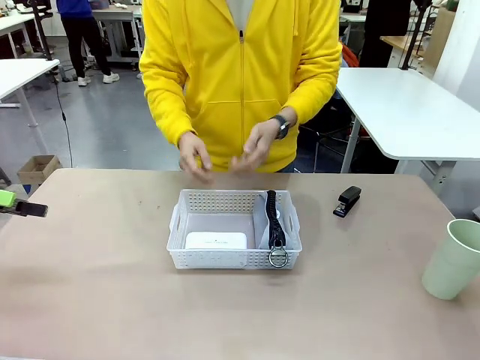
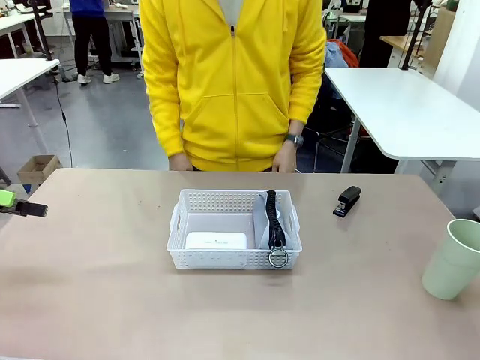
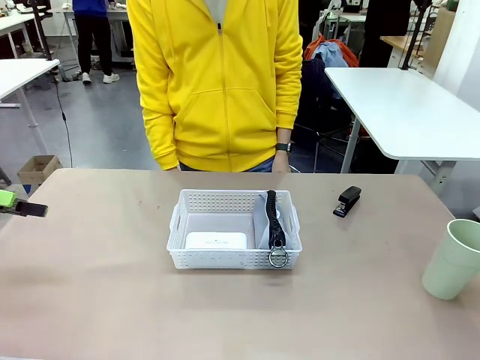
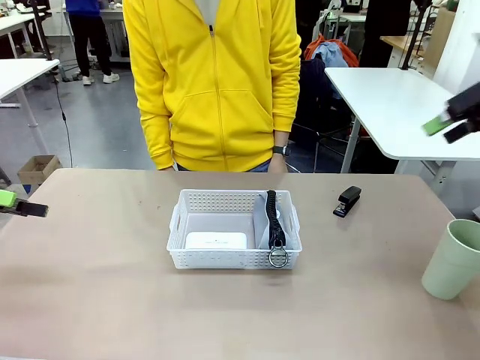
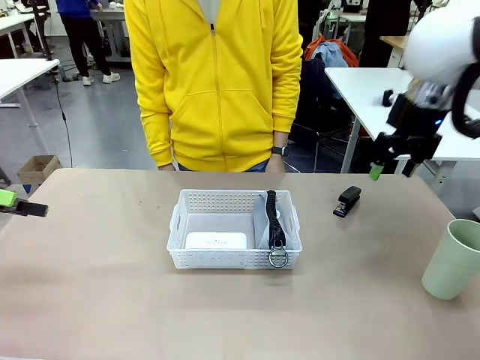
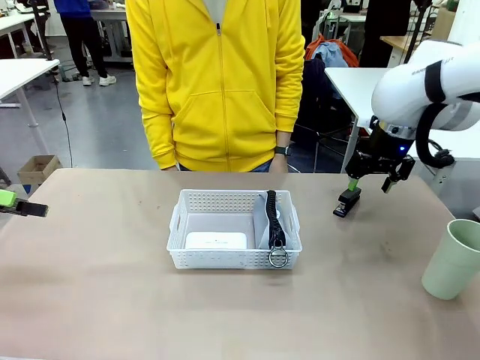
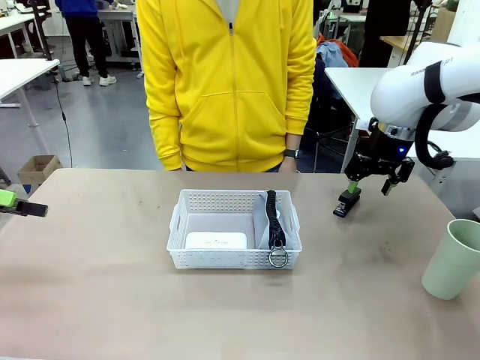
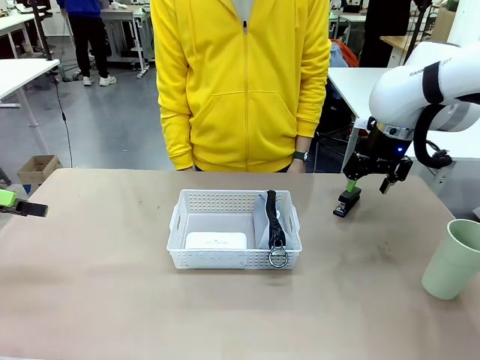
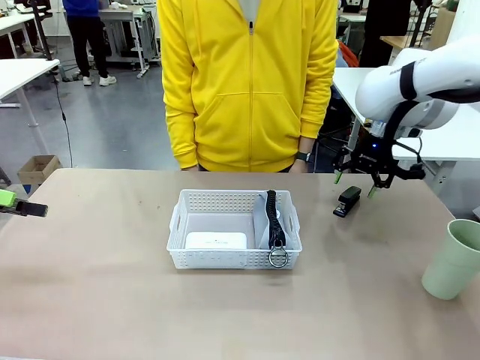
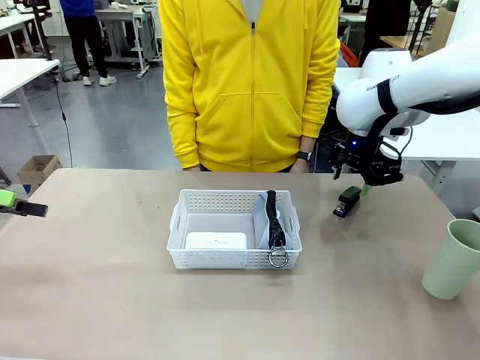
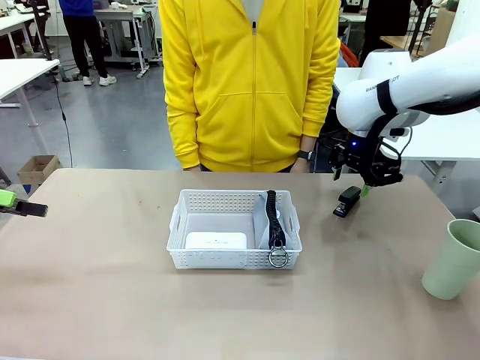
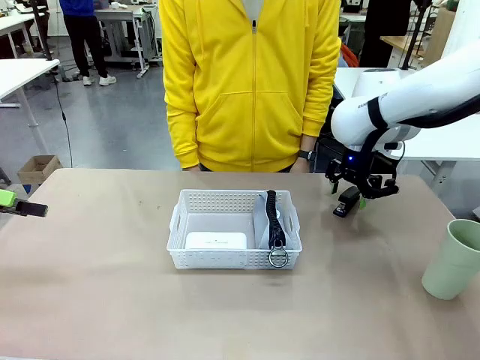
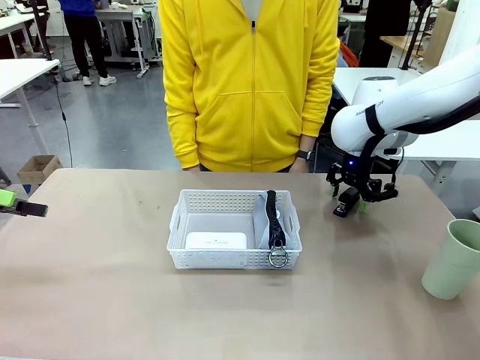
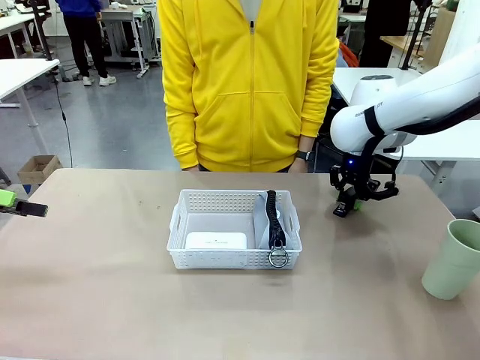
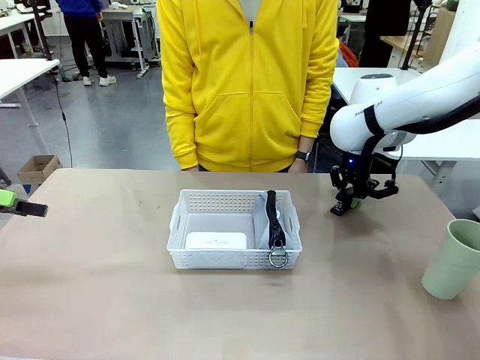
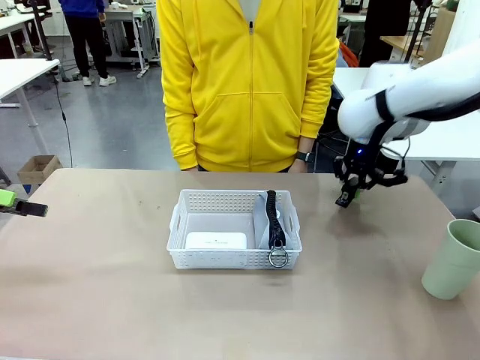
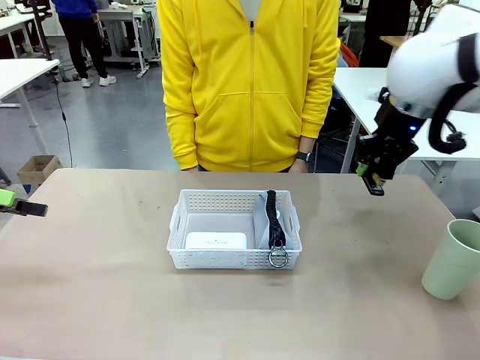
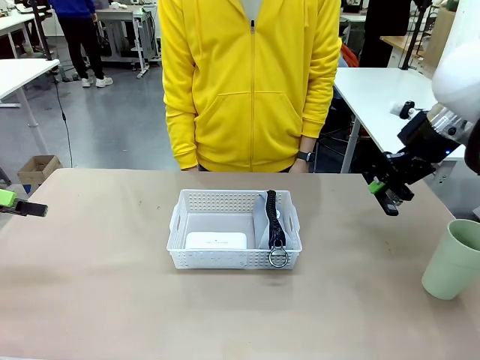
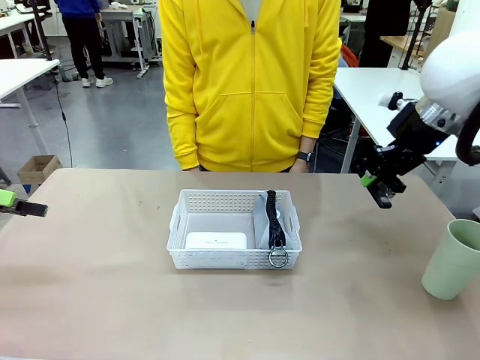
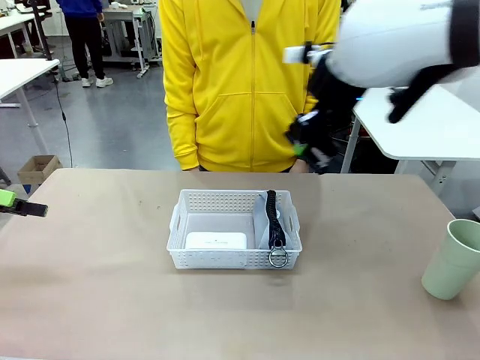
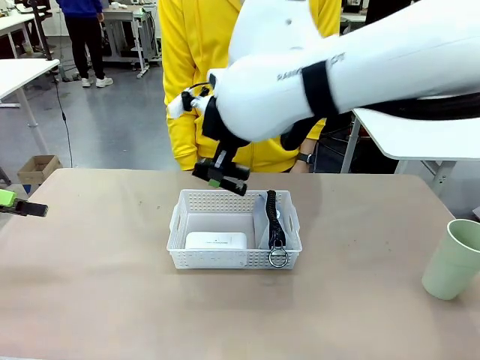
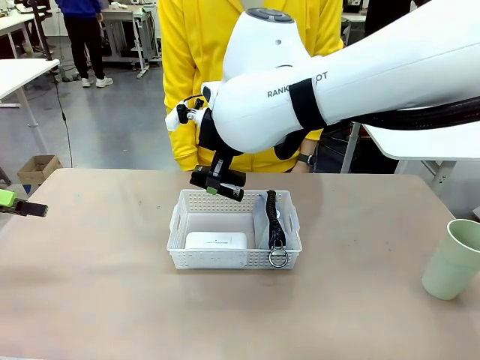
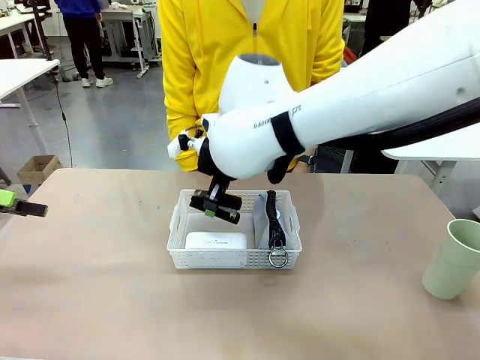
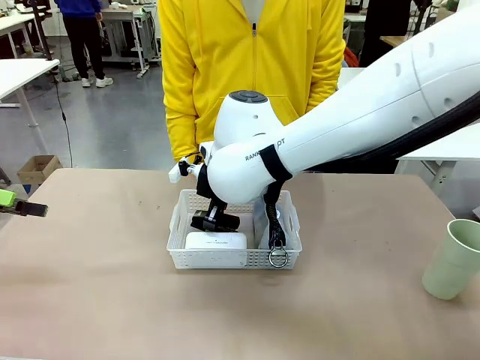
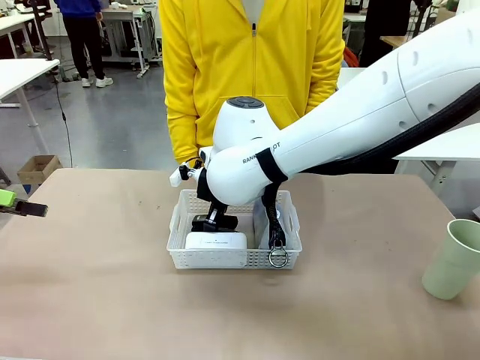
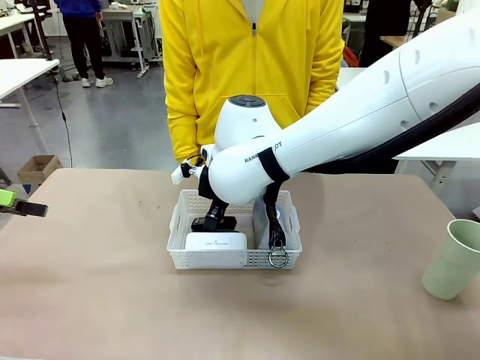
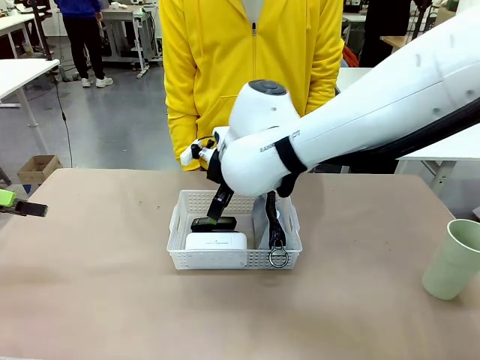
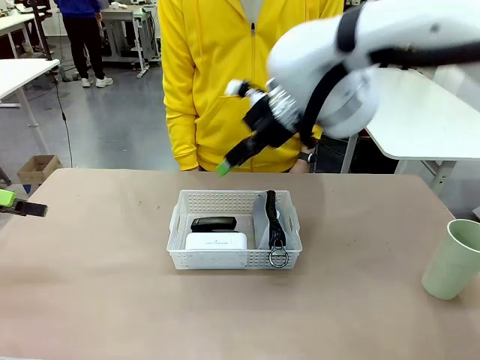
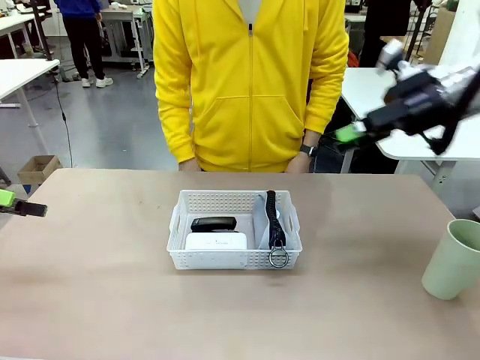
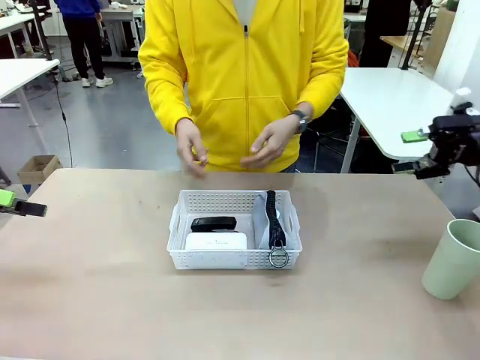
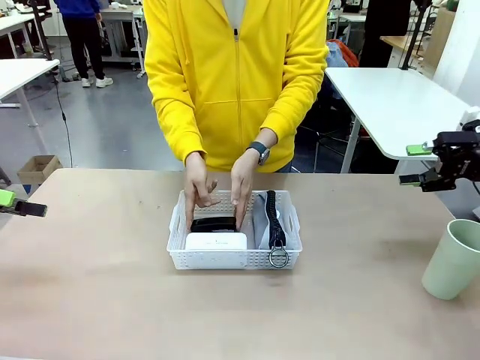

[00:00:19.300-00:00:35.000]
Task: Efficiently arrange items inside the basket to fit them all.
Robot: Pick up the Stapler and place it inside the Organizing basket.

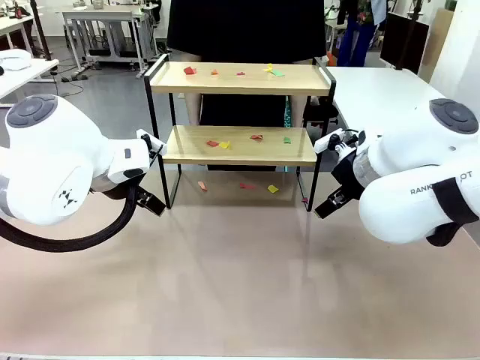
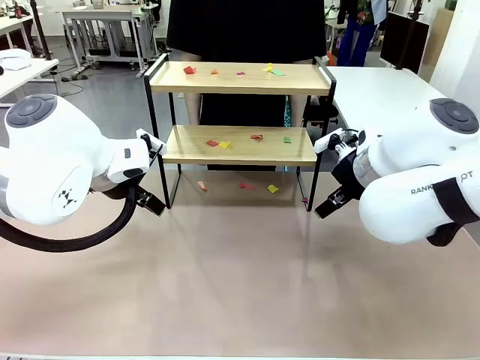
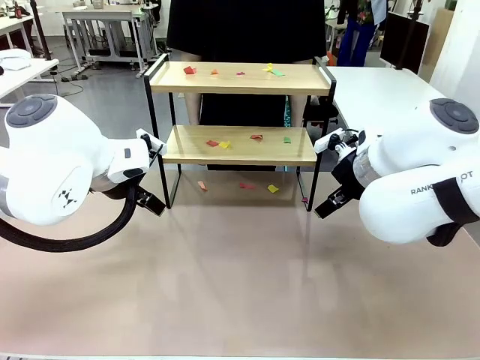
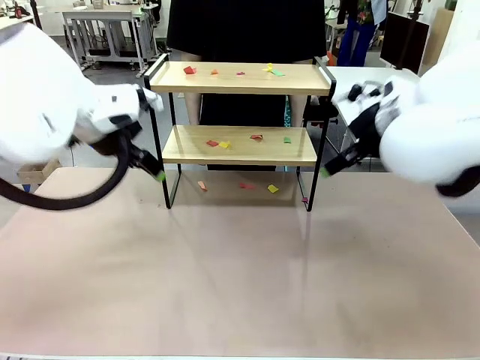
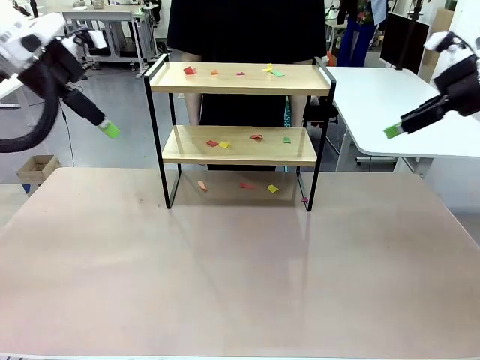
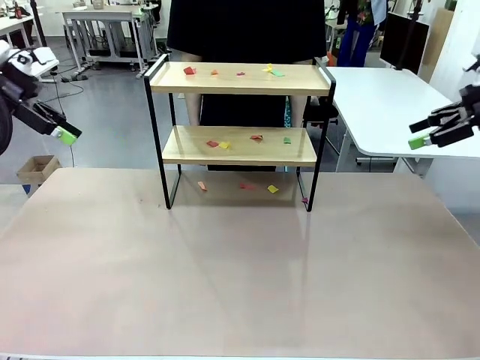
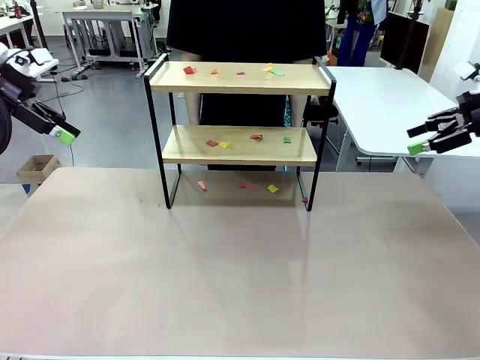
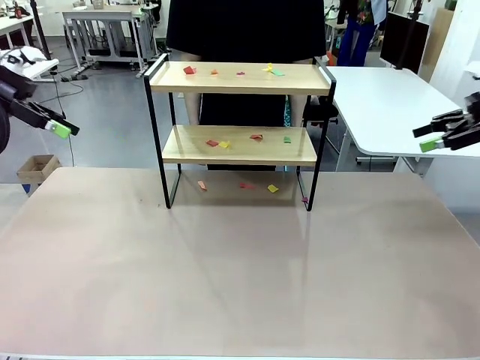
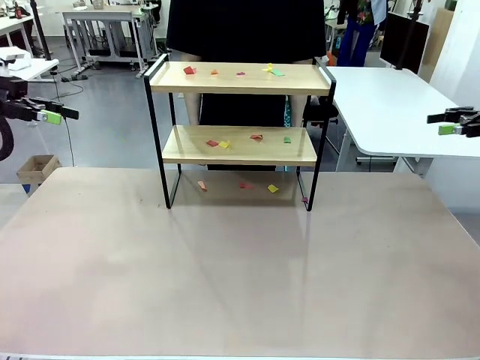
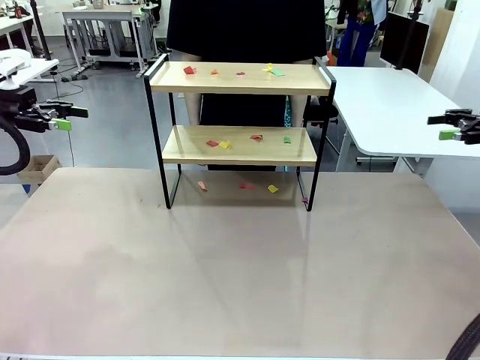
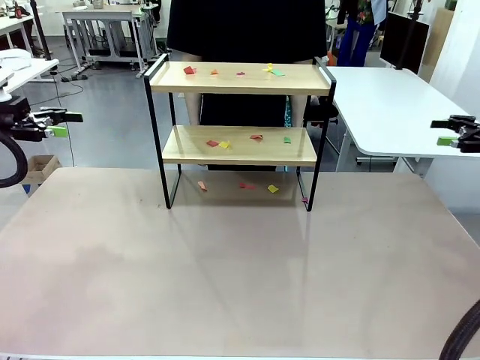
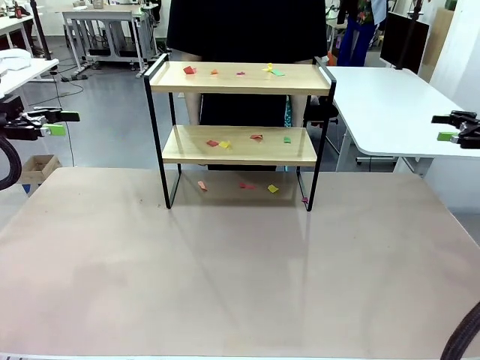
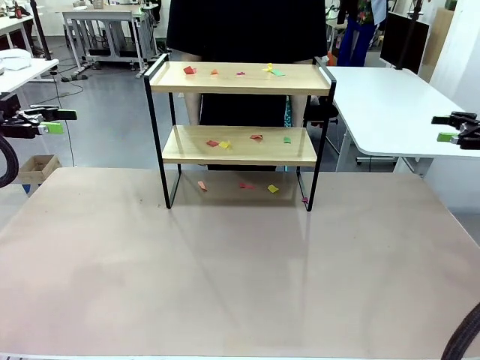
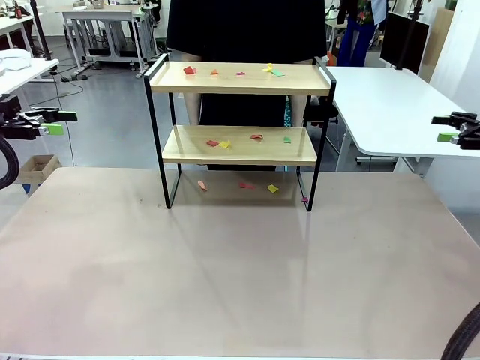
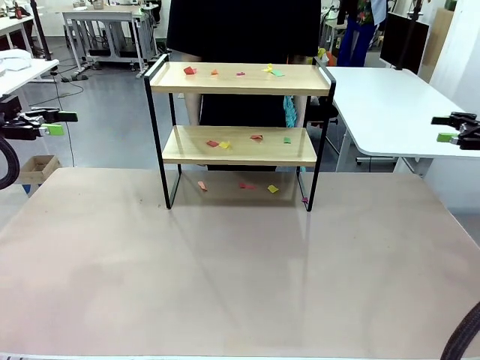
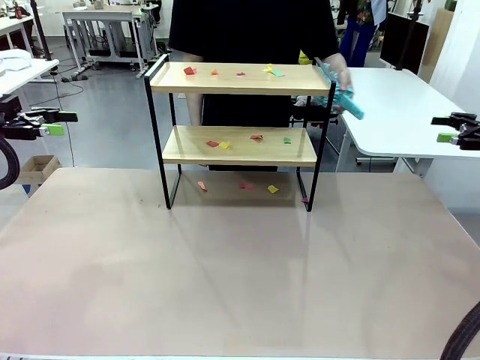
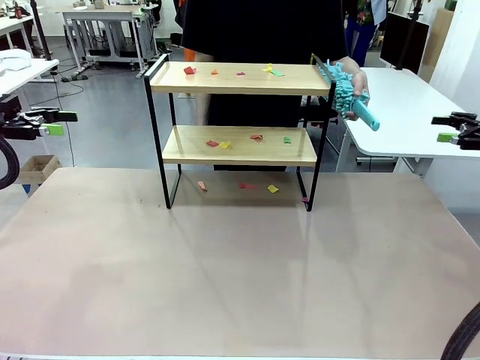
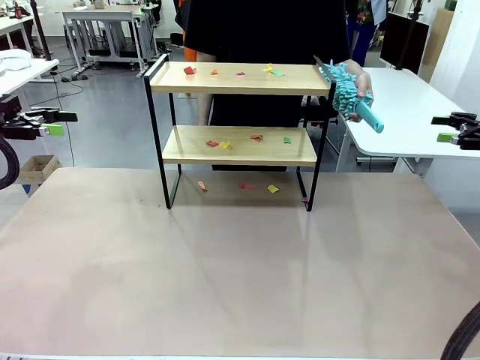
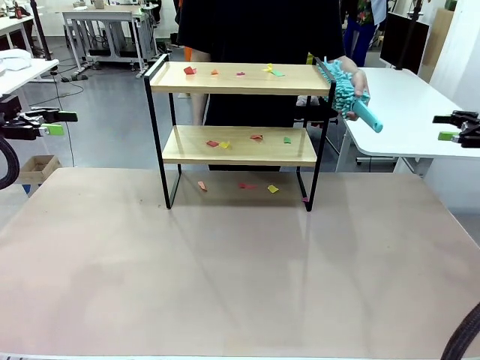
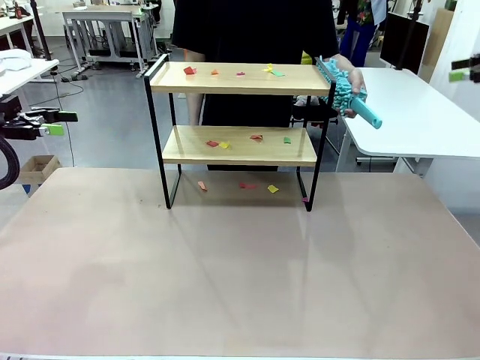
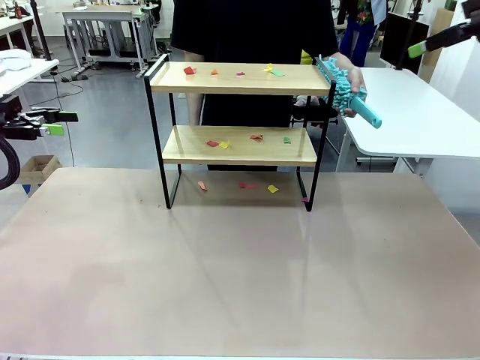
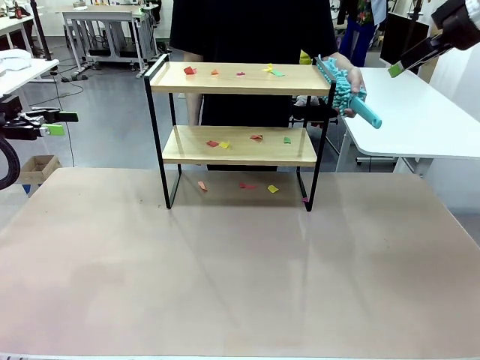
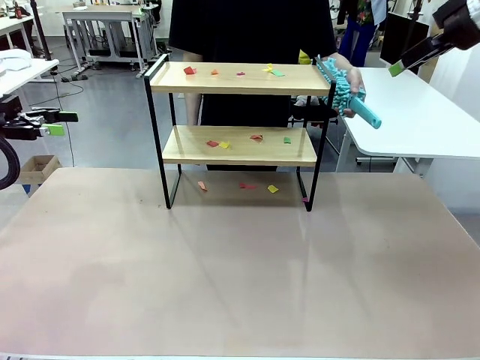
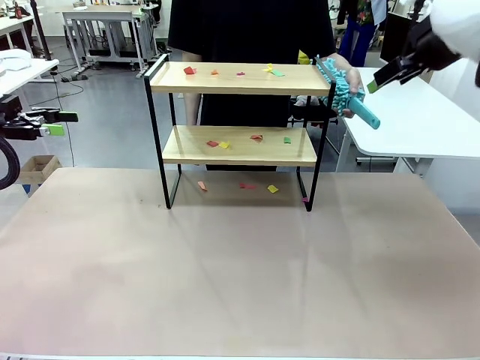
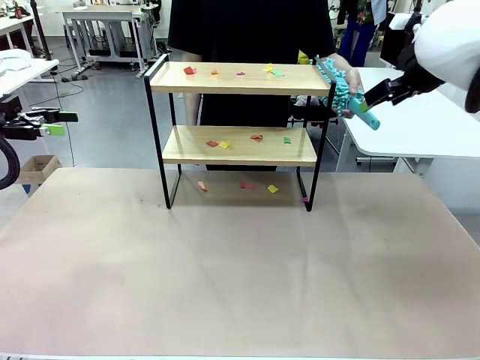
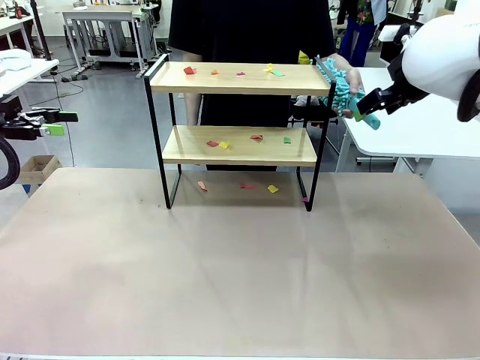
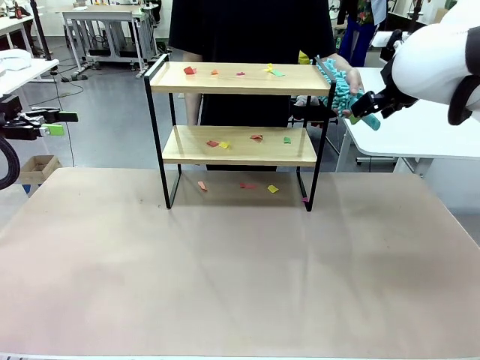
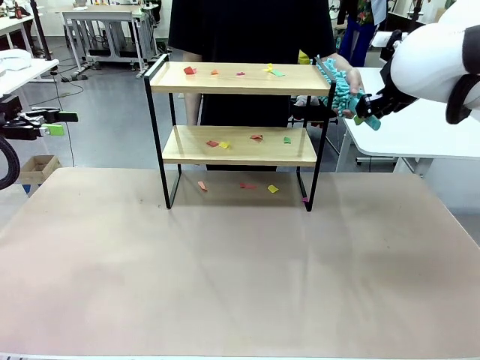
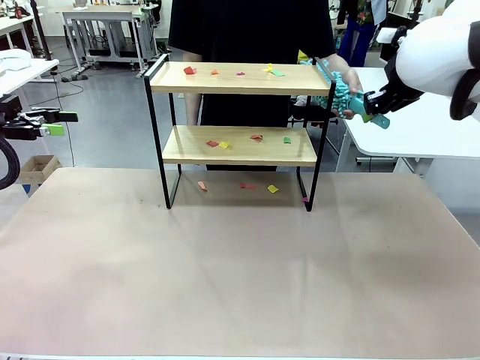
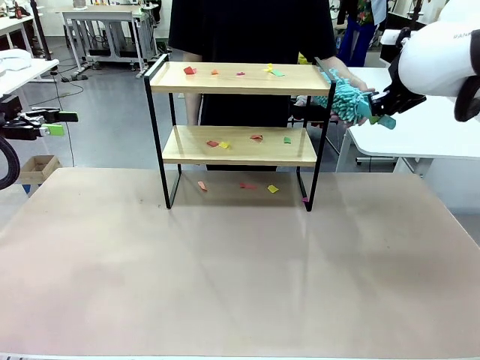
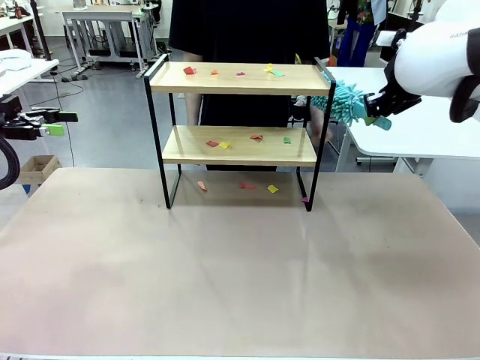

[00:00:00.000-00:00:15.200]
Task: Clean the shelf.
Robot: Pick up the Duster handed by the human.
Person: Hand the Duster to the robot.
